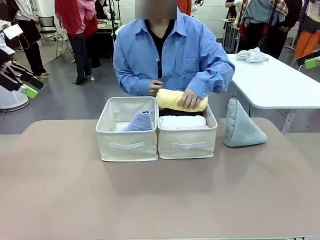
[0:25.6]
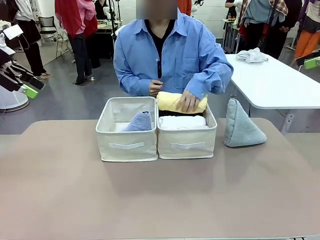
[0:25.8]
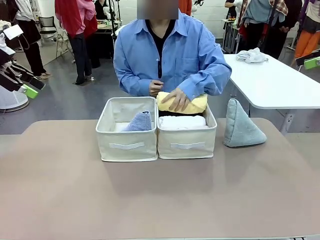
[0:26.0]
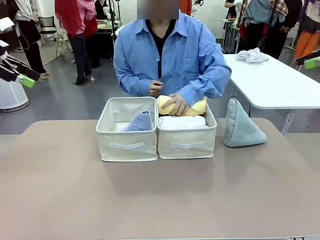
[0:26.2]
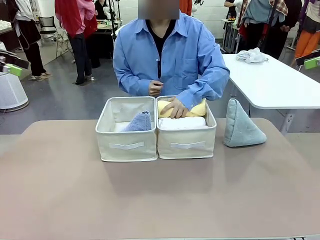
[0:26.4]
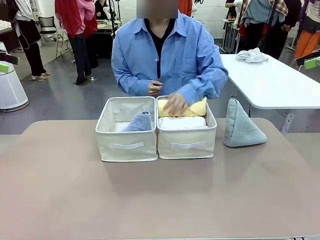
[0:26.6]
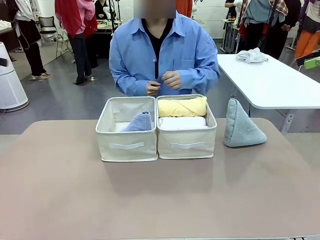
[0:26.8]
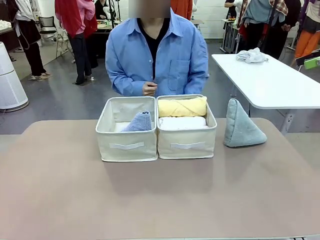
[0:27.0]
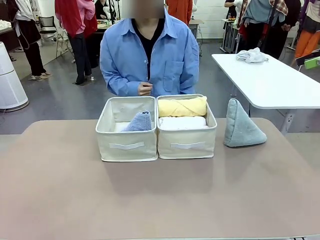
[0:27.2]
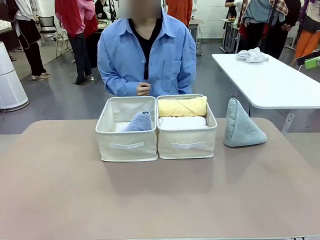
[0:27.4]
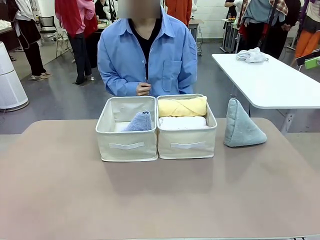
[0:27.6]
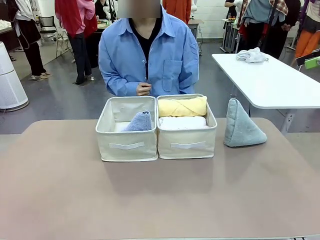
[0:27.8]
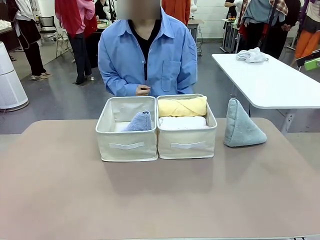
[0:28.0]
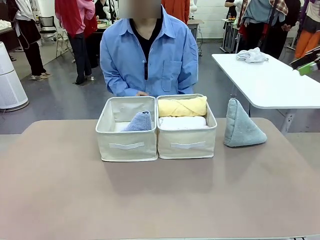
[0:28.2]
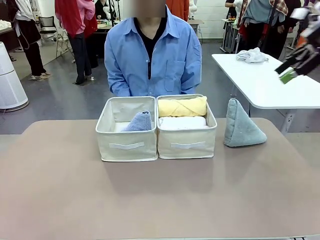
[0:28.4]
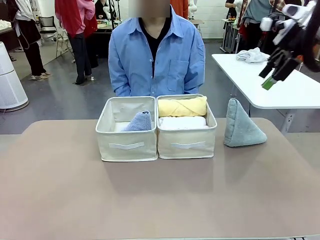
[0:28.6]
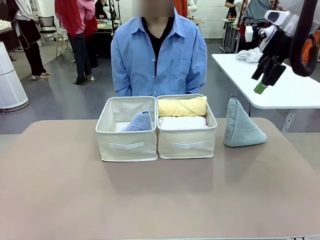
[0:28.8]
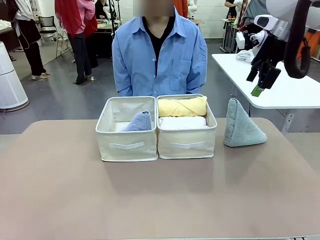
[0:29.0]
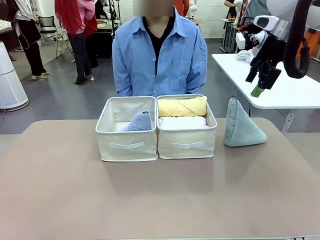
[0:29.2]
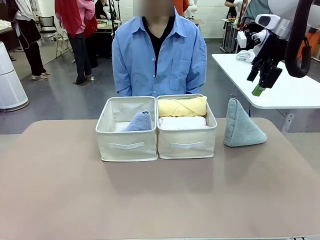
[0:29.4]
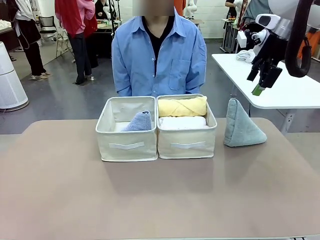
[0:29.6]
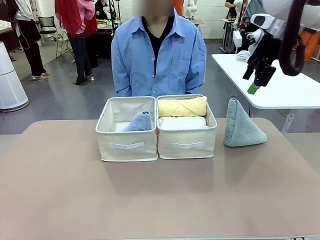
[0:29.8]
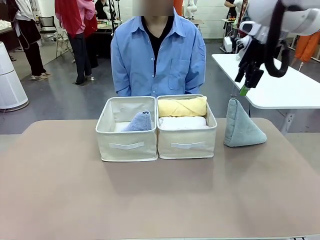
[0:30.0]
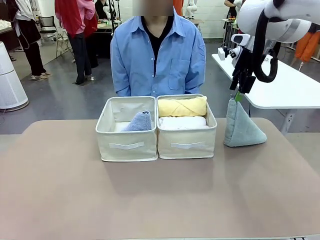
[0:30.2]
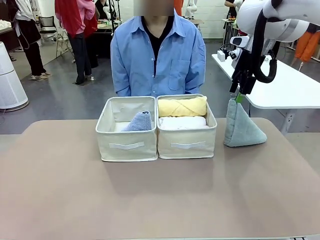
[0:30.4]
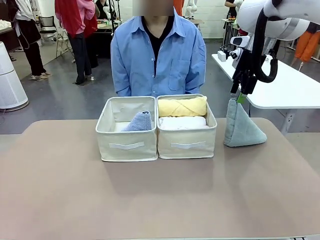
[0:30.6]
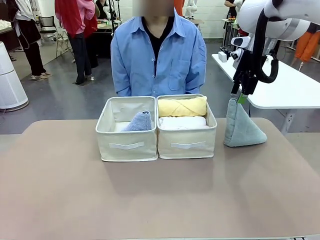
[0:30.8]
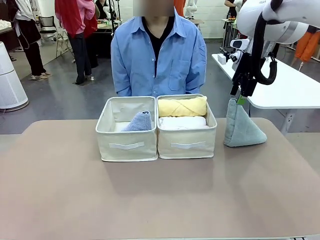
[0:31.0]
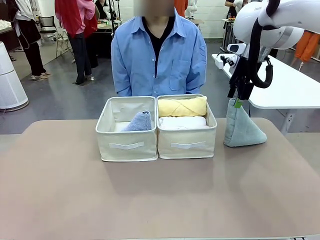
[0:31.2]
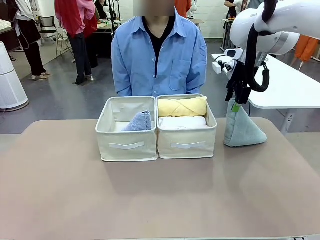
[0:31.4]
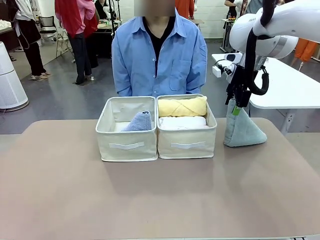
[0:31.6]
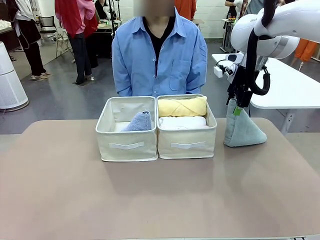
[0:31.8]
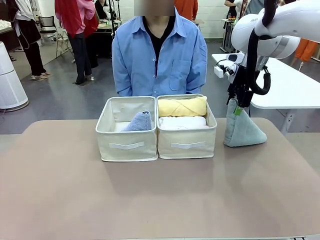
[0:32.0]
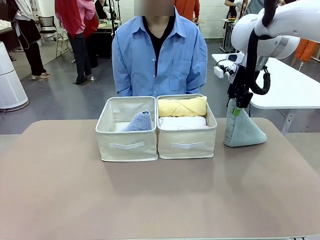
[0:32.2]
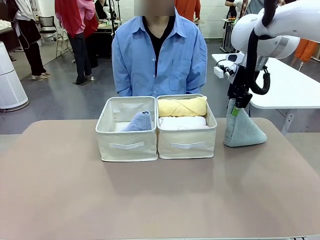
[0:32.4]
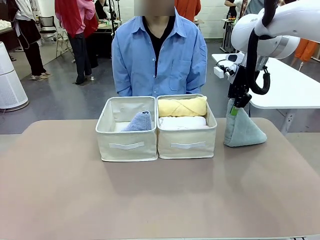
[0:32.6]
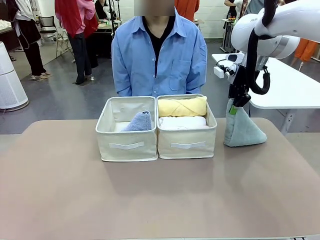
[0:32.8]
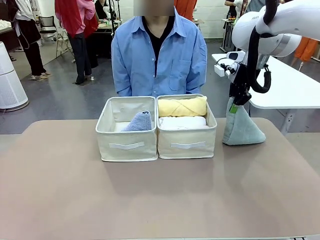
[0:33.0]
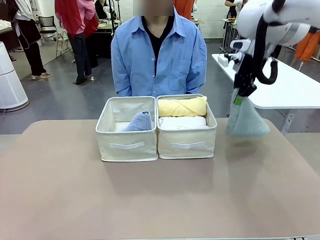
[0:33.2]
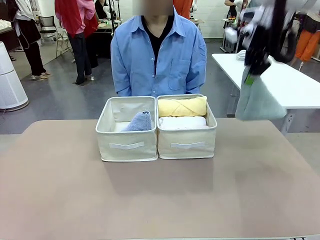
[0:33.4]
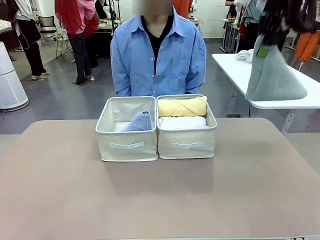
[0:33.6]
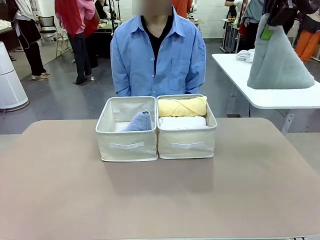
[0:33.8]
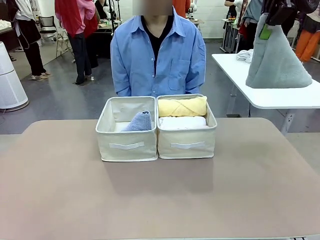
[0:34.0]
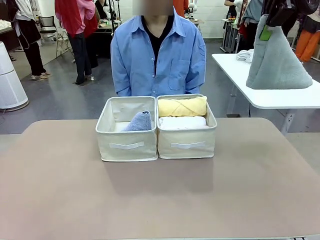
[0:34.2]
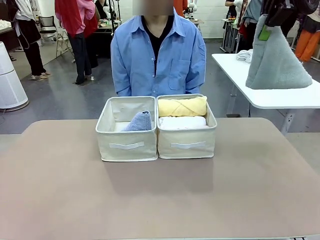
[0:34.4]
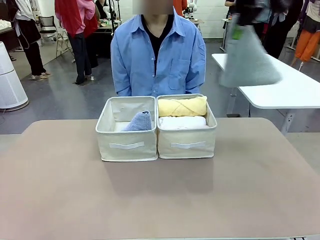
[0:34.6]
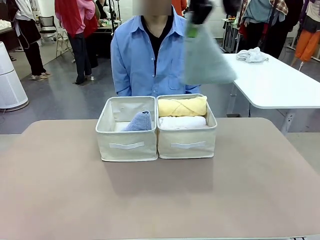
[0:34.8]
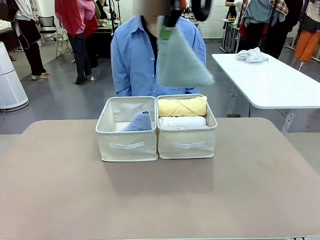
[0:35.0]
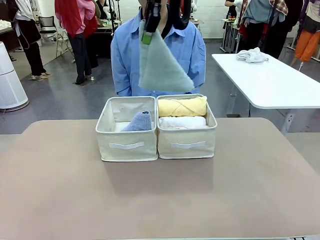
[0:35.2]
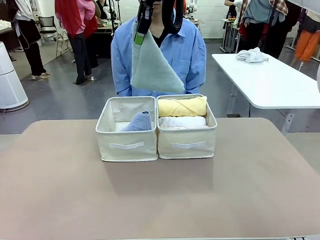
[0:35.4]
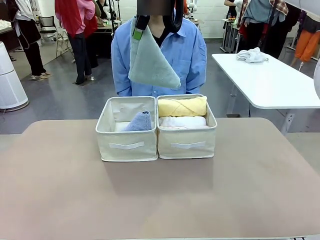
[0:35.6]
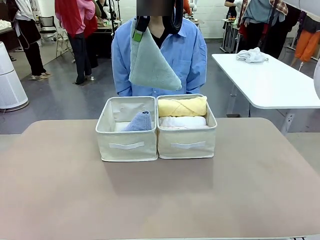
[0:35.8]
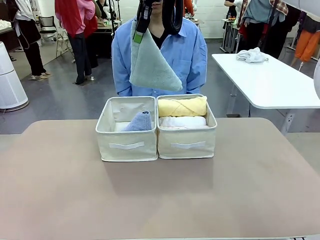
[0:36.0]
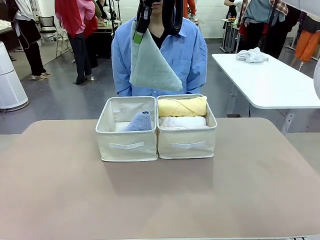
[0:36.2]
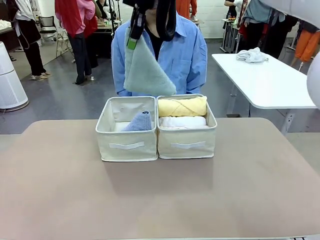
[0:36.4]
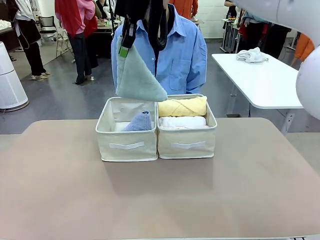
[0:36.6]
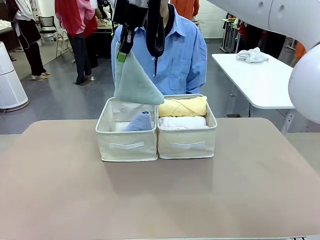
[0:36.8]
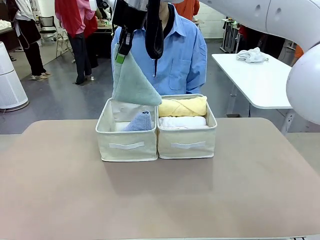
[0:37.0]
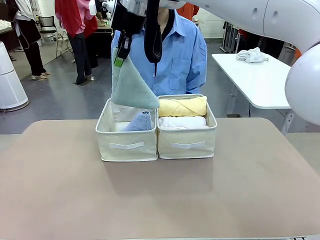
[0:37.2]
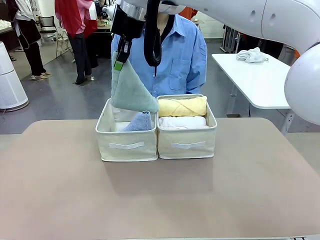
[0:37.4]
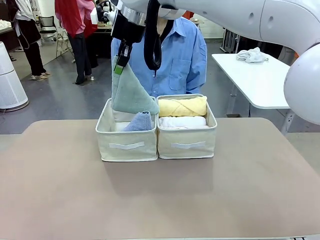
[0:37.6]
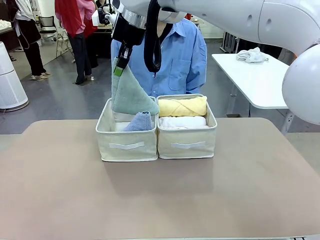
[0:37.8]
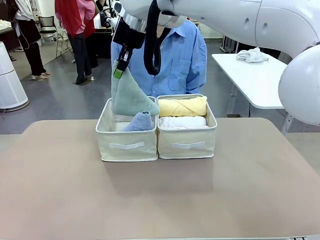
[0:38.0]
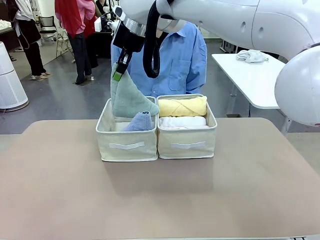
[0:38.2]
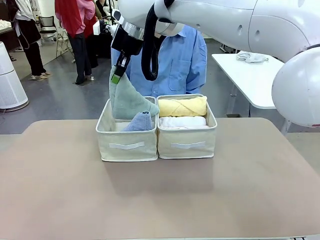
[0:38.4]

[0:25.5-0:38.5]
Task: Sort the towels based on their folding style.
Robot: Pick up another triangle-folded towel from the table and place it in the left Fabric basket.
